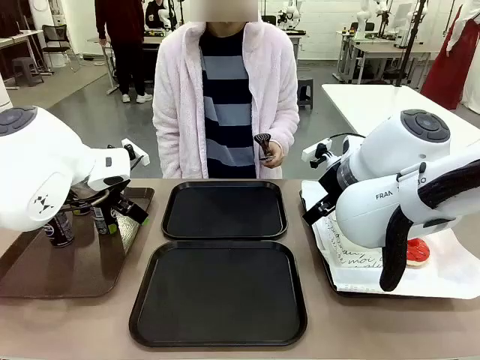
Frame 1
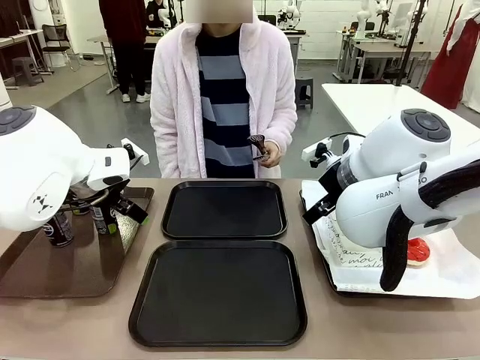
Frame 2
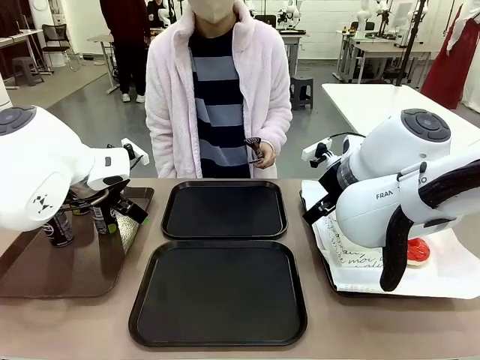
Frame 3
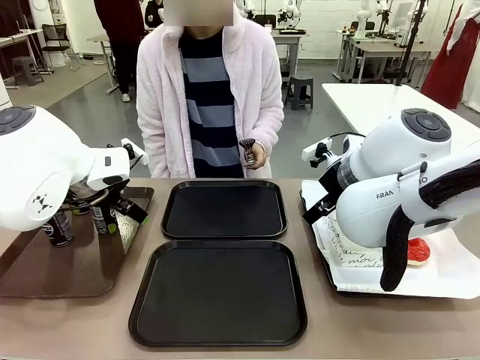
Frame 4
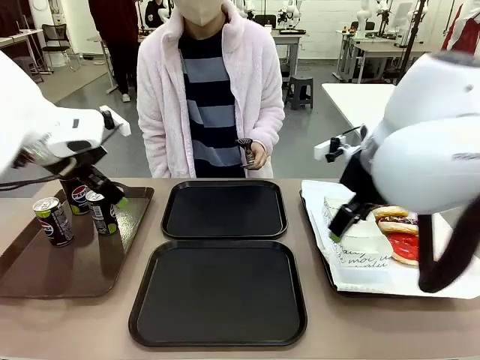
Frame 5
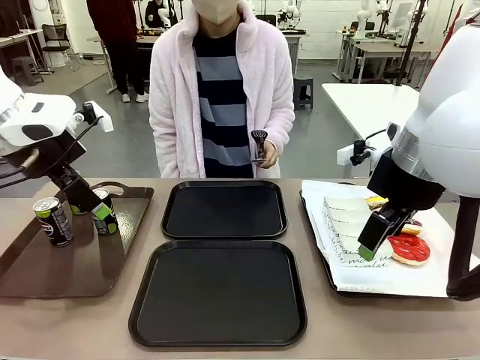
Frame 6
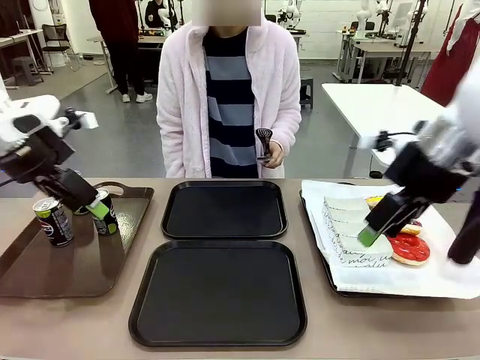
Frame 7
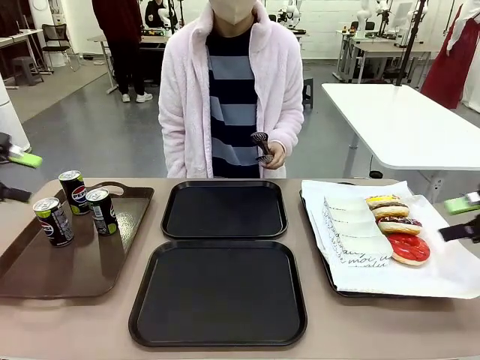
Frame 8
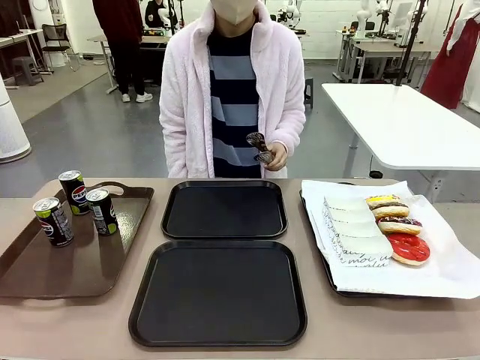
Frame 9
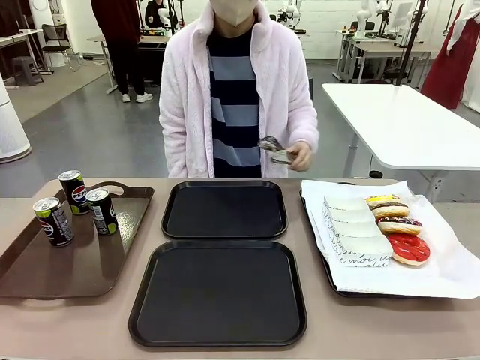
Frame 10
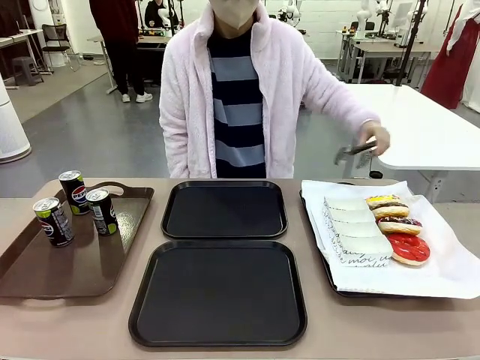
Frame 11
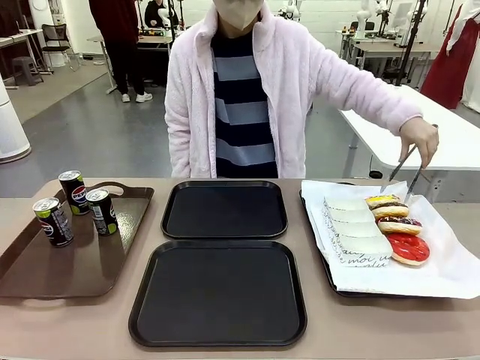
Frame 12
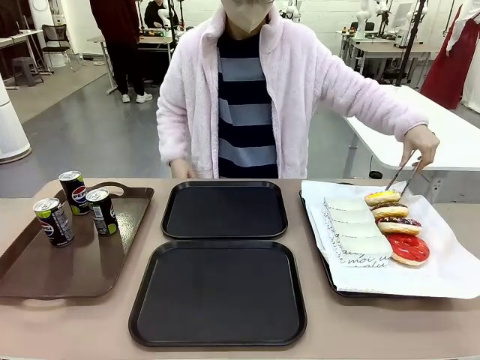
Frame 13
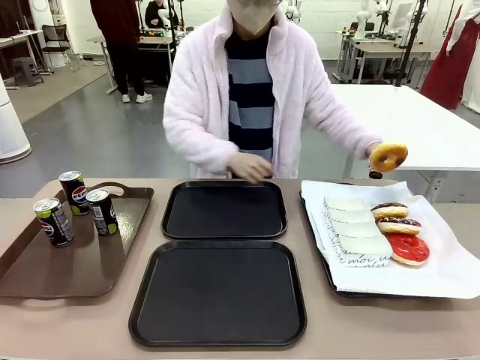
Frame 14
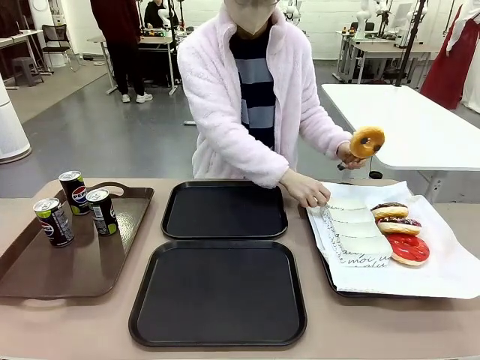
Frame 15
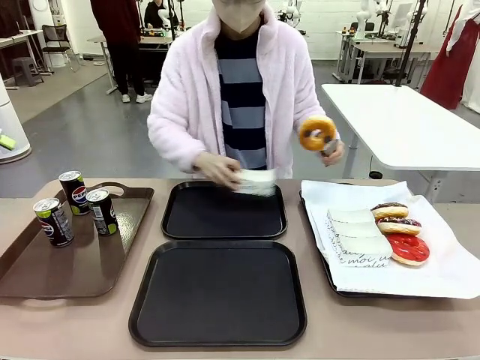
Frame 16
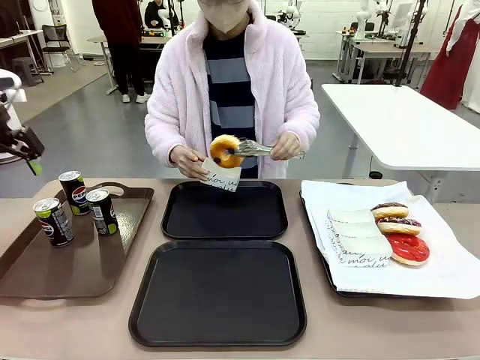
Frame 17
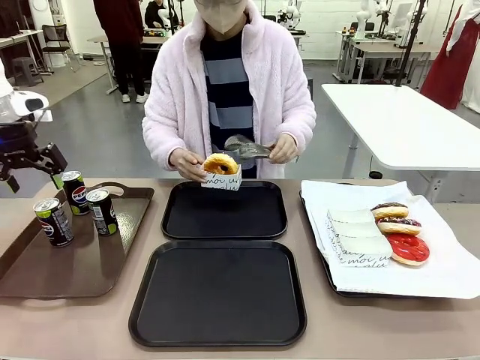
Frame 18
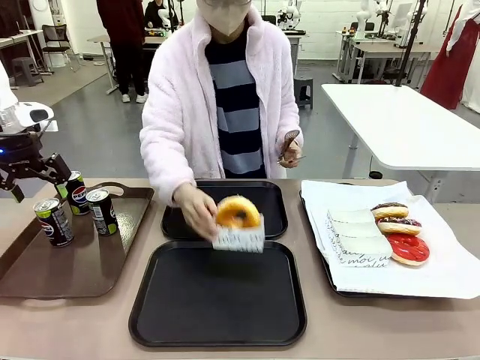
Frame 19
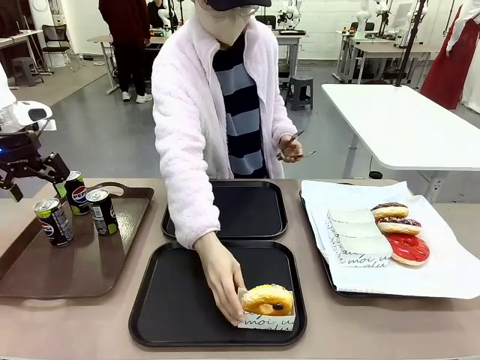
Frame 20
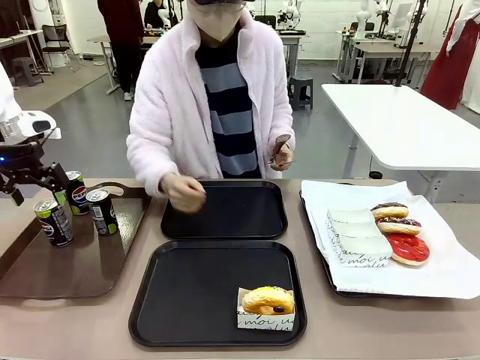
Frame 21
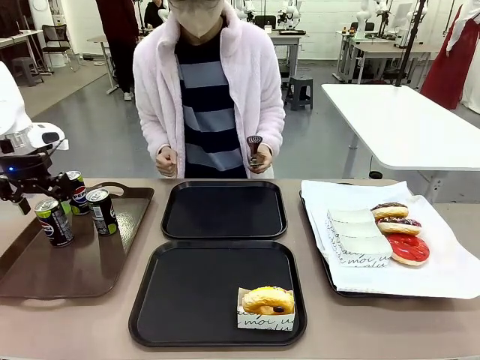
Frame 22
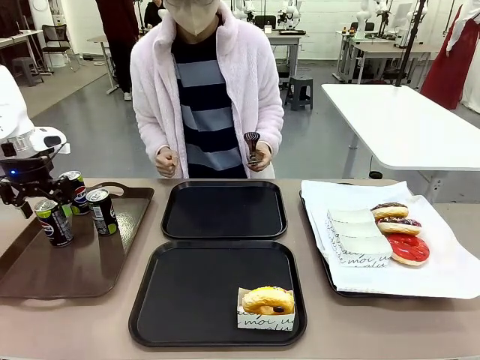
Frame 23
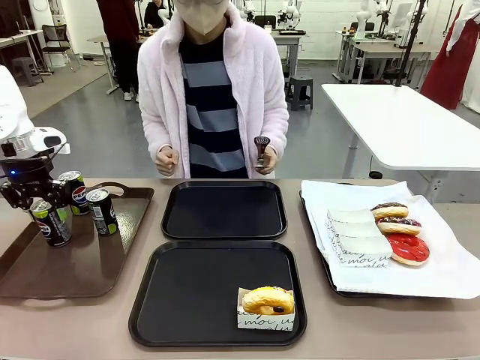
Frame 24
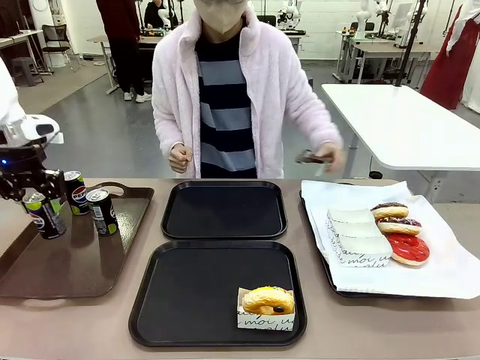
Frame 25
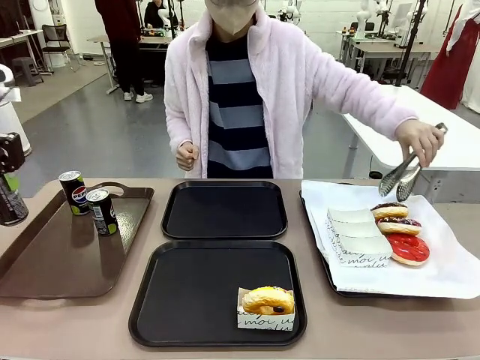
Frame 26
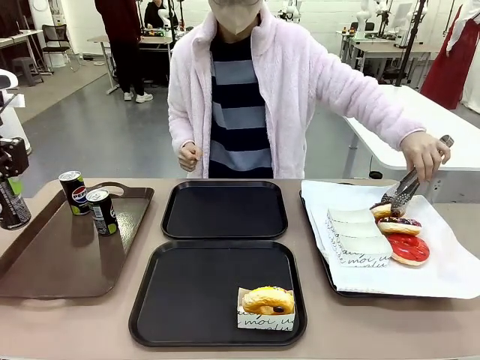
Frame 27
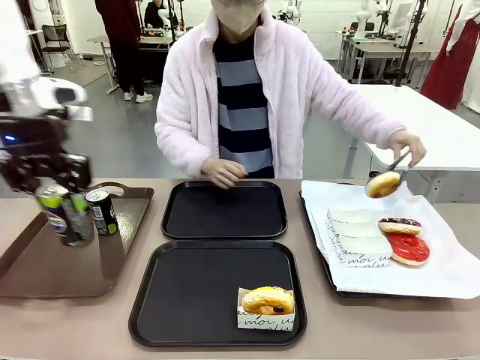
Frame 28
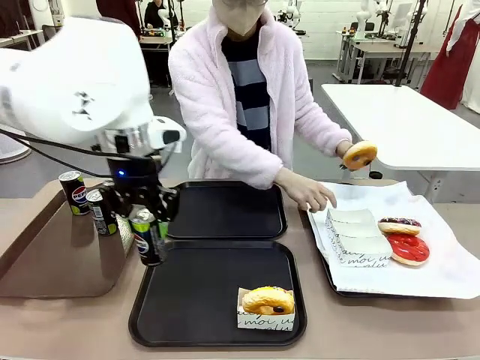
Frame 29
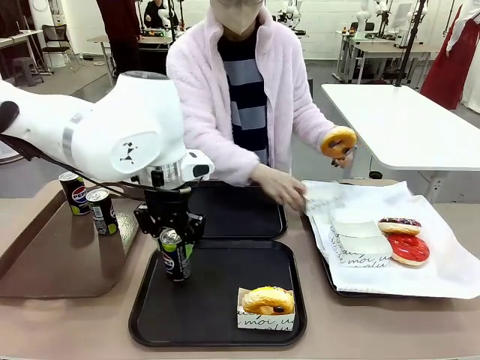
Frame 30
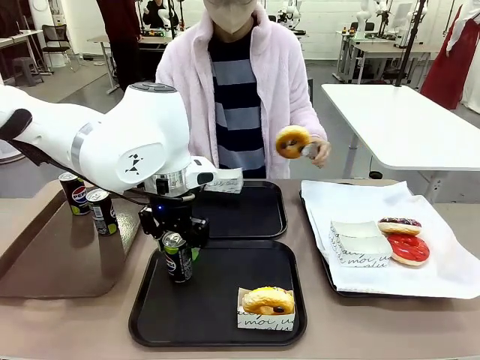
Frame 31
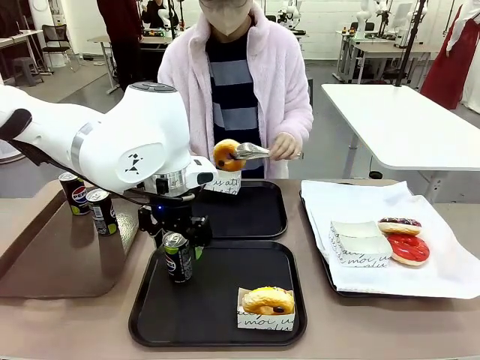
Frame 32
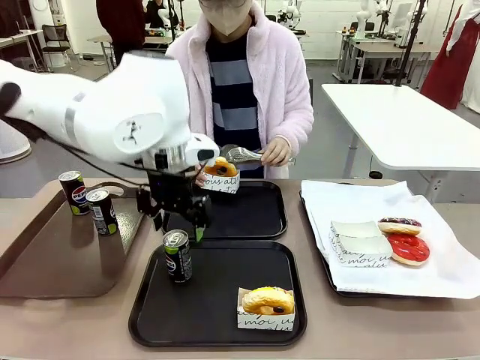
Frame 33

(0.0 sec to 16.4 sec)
Task: Set up donuts and drinks on trays.
Robot: Pick up one Pepsi coke and place it on the Flat Tray.

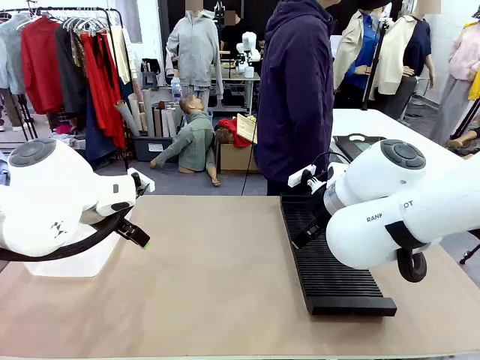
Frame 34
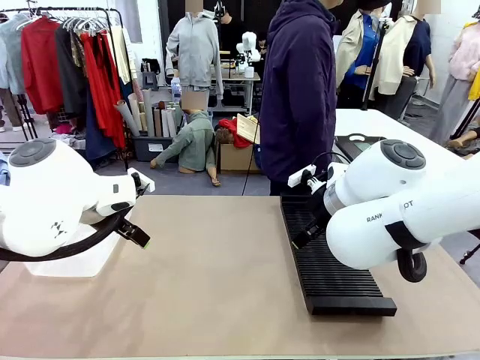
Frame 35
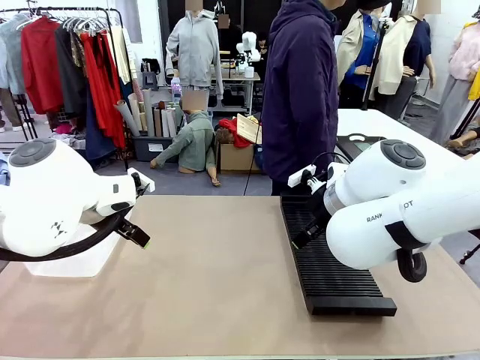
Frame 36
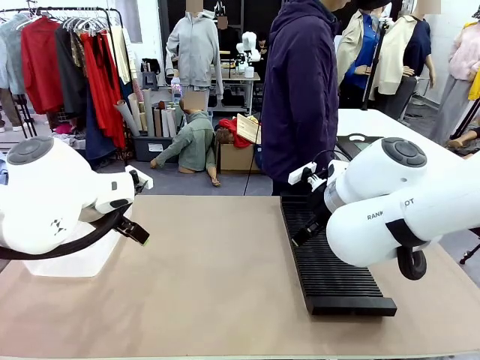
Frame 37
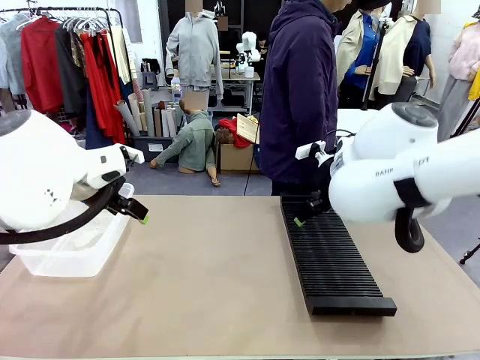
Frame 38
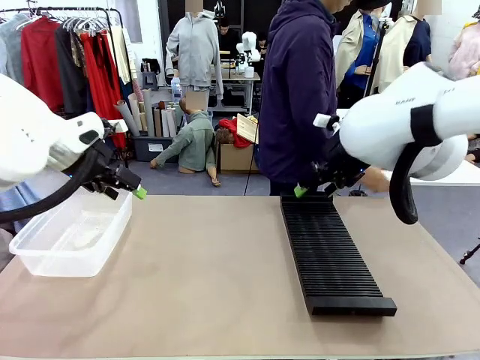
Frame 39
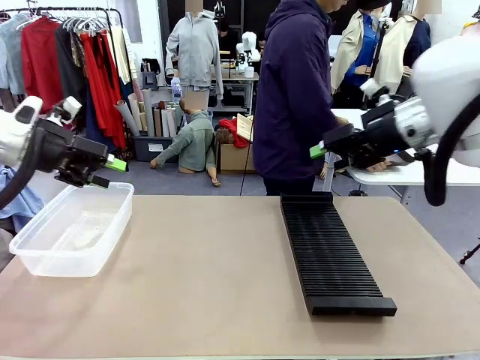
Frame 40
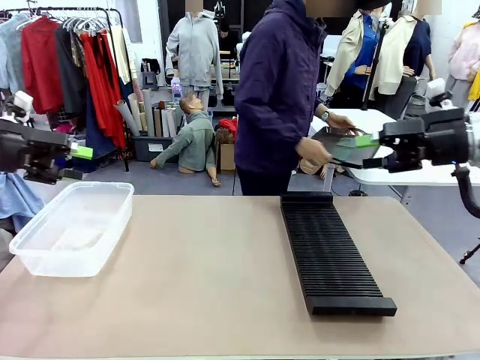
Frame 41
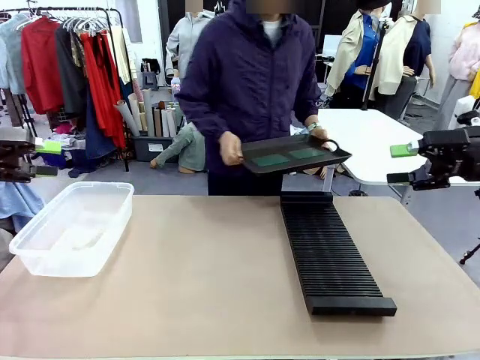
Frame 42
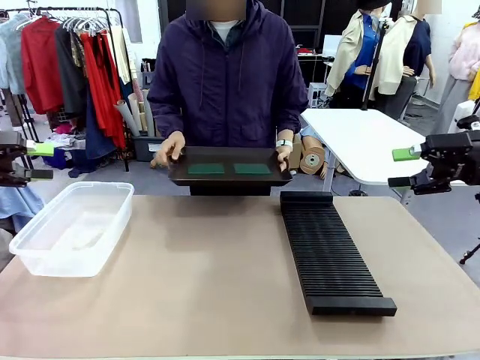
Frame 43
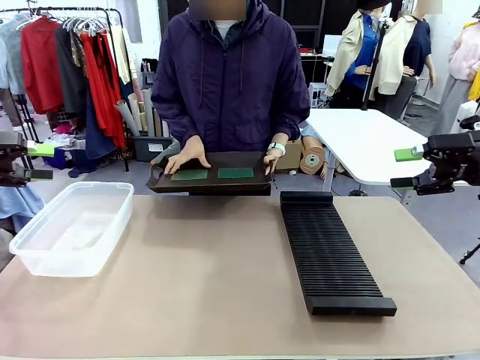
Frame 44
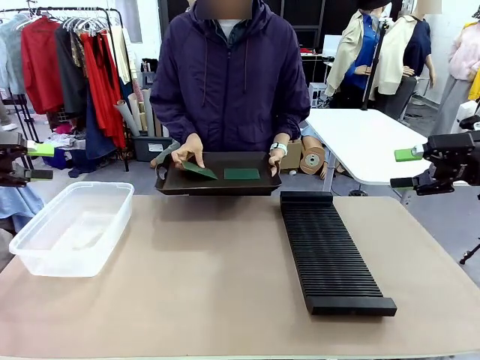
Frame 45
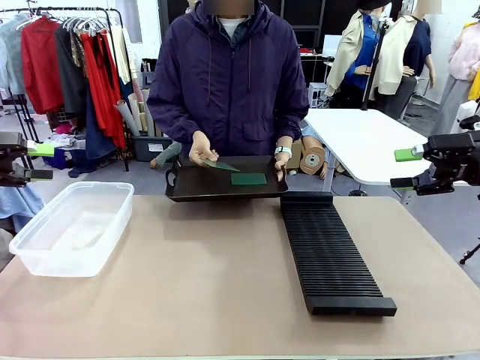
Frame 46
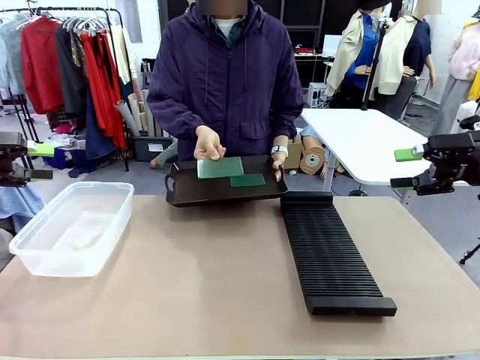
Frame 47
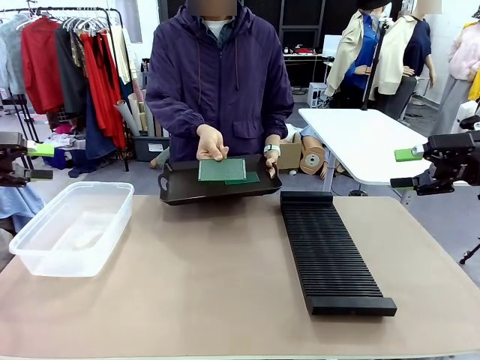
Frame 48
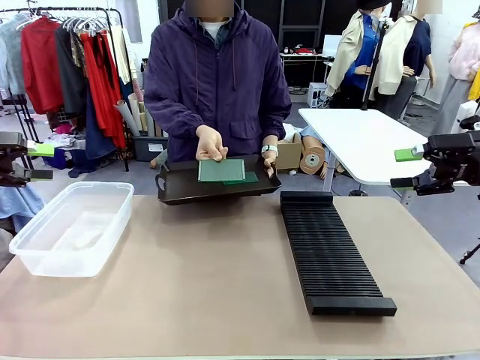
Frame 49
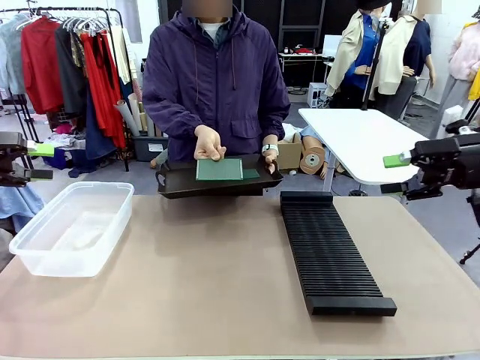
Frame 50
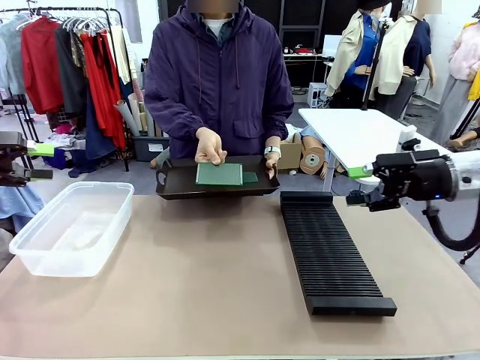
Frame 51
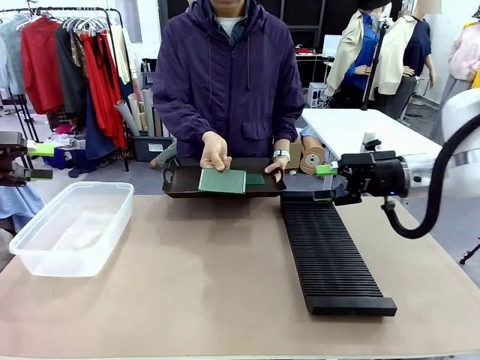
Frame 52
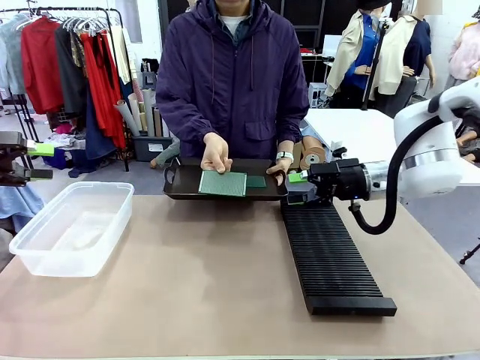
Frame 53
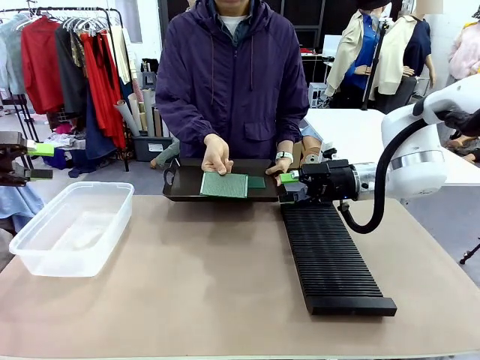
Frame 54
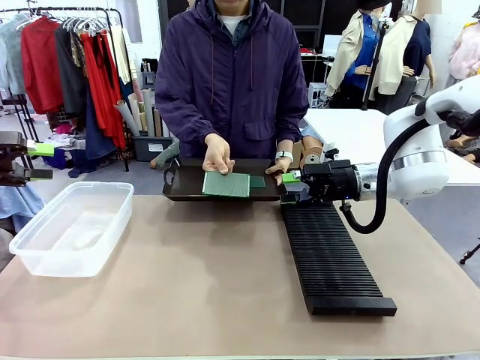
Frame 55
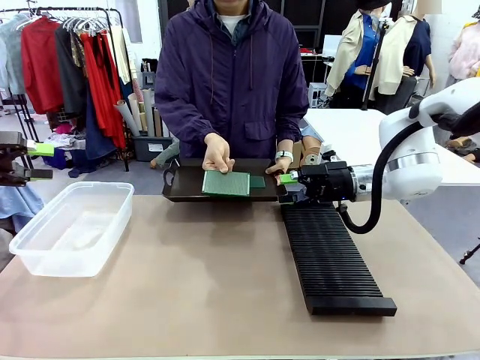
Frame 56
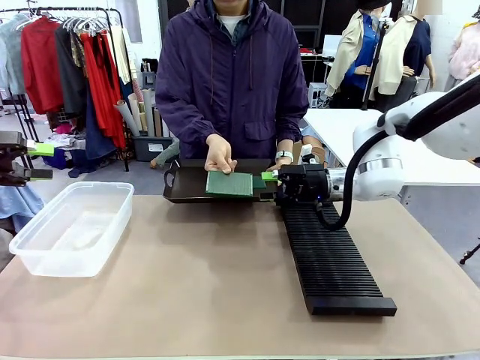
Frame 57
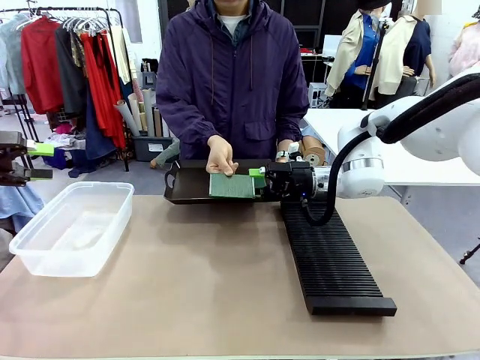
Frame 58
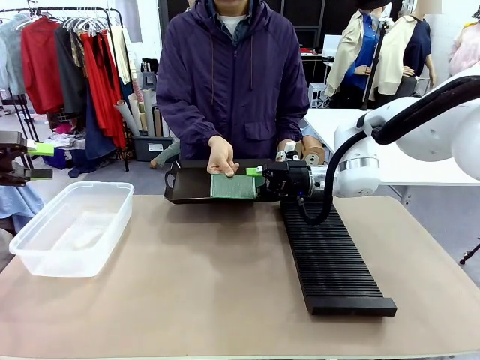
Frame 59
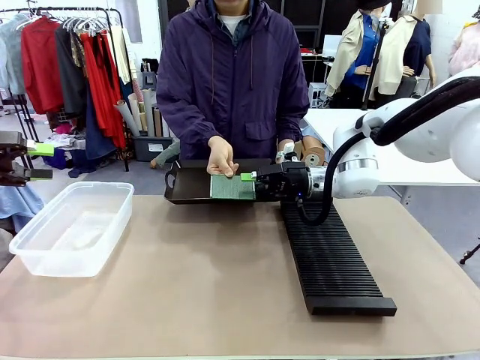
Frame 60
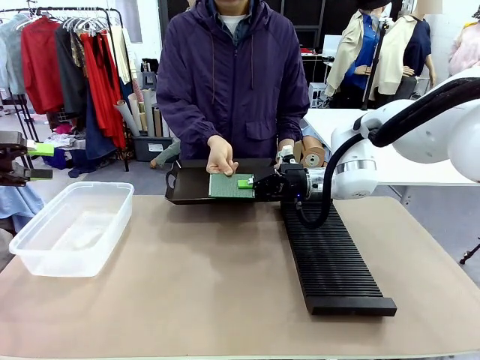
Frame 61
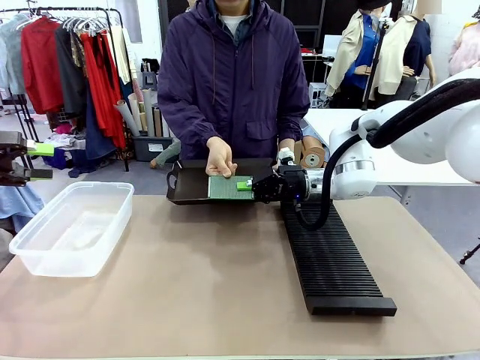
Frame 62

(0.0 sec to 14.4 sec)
Task: Sort PCBs into racks and boxes based on the side picked up.
Robot: Pick up the Blank PCB handed by the Human.
Person: Pick one PCB from the tray and present it to the robot. Release the PCB being held.
